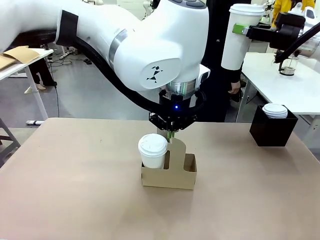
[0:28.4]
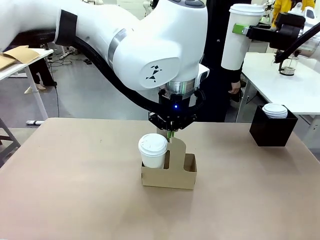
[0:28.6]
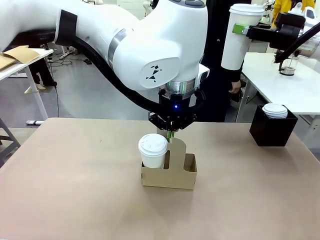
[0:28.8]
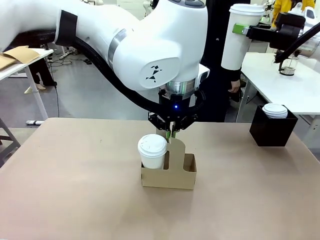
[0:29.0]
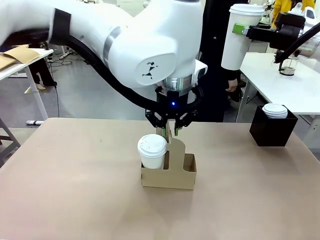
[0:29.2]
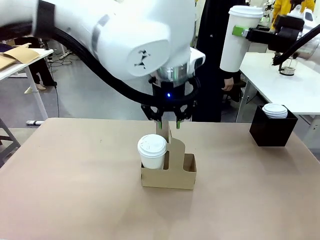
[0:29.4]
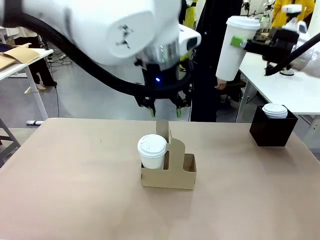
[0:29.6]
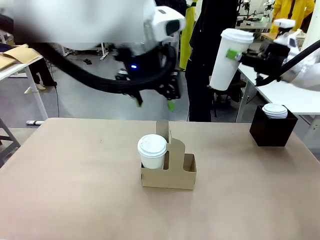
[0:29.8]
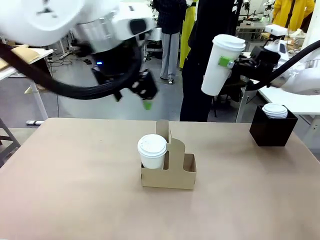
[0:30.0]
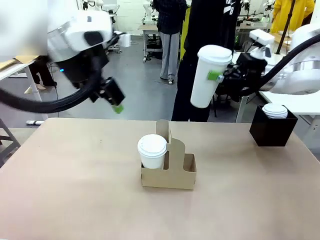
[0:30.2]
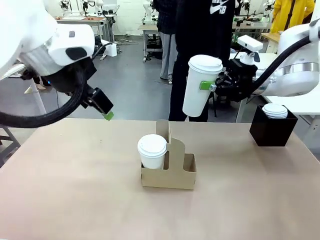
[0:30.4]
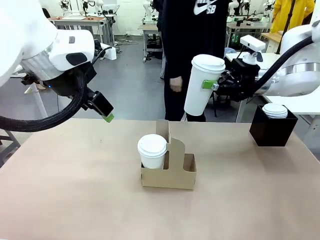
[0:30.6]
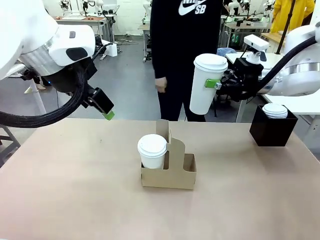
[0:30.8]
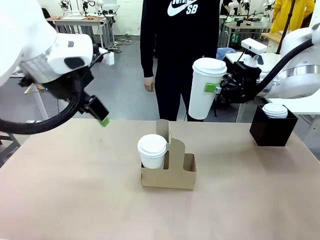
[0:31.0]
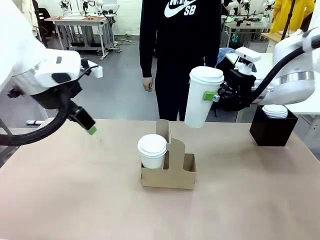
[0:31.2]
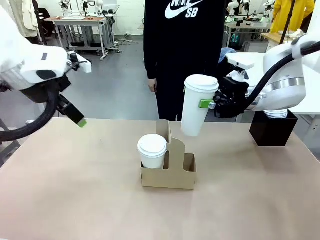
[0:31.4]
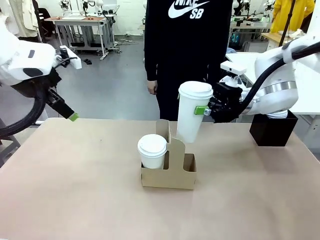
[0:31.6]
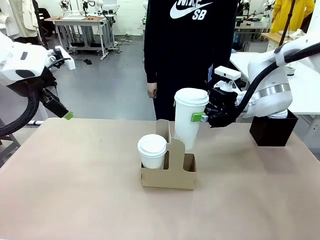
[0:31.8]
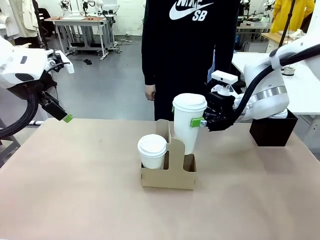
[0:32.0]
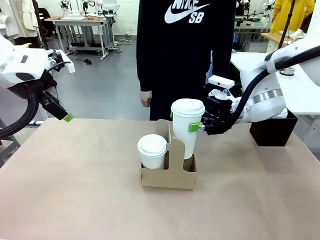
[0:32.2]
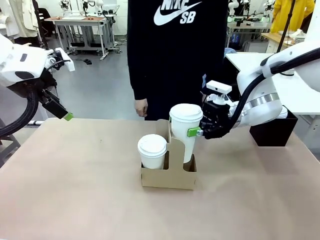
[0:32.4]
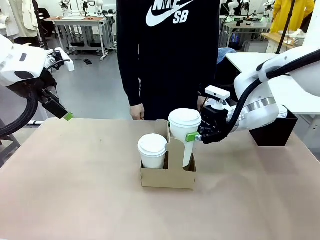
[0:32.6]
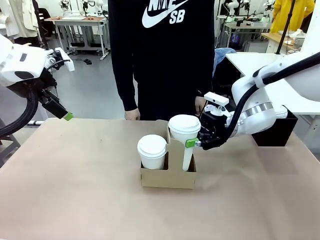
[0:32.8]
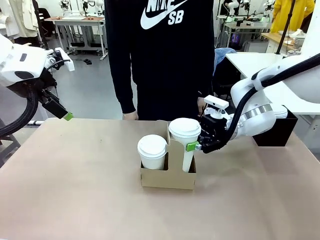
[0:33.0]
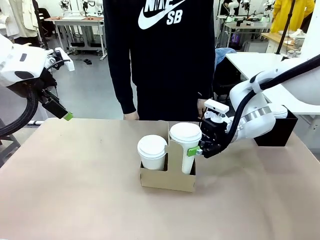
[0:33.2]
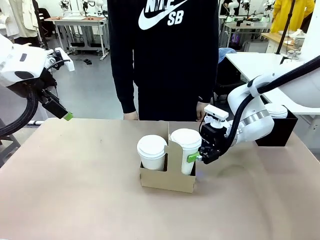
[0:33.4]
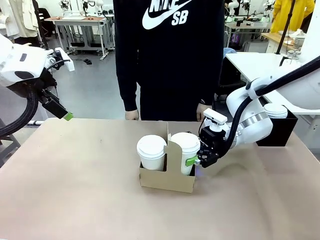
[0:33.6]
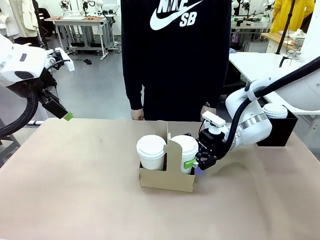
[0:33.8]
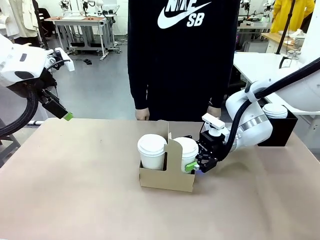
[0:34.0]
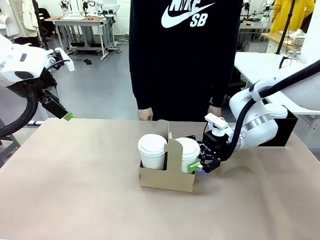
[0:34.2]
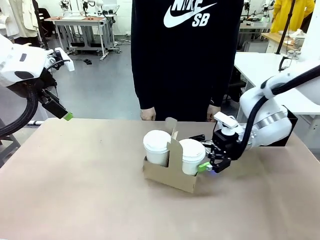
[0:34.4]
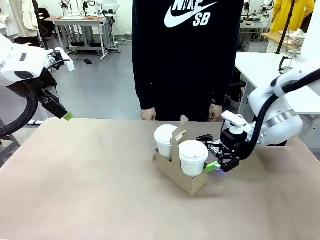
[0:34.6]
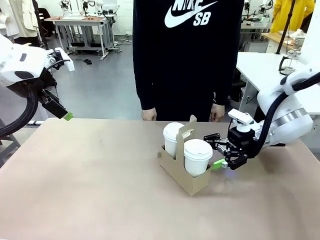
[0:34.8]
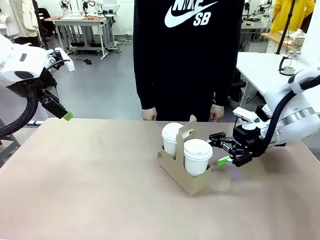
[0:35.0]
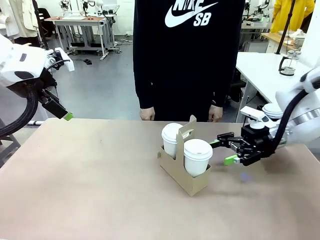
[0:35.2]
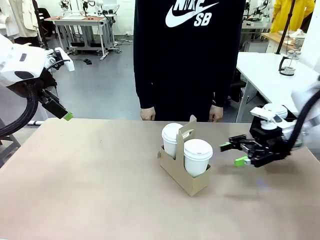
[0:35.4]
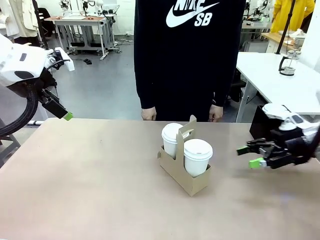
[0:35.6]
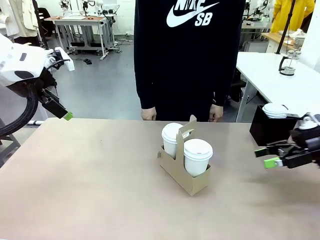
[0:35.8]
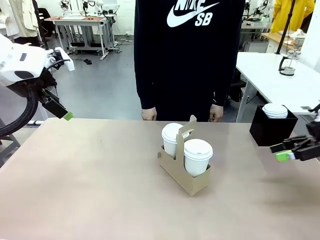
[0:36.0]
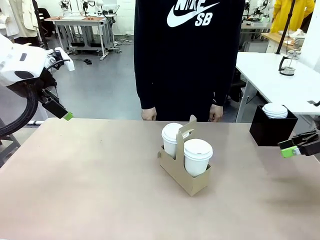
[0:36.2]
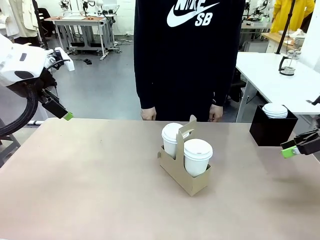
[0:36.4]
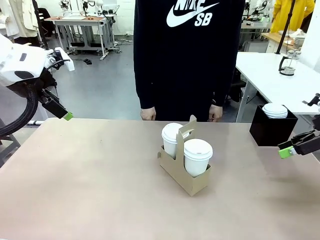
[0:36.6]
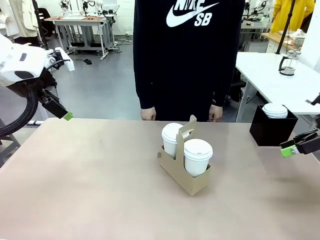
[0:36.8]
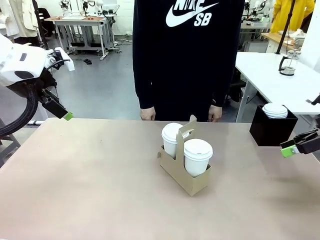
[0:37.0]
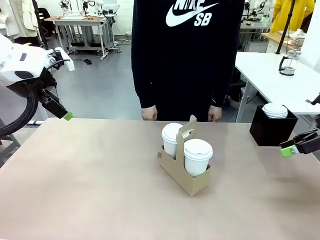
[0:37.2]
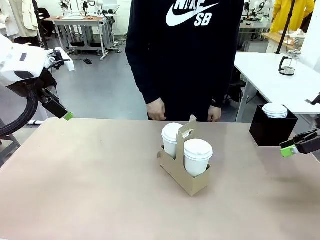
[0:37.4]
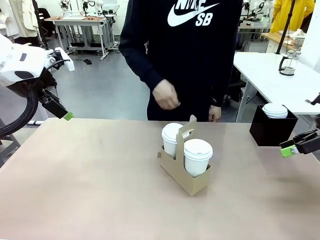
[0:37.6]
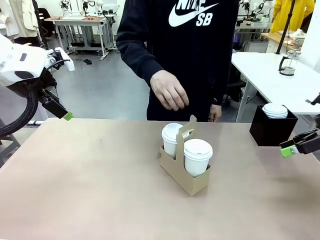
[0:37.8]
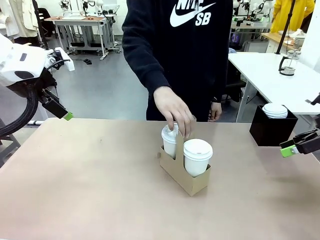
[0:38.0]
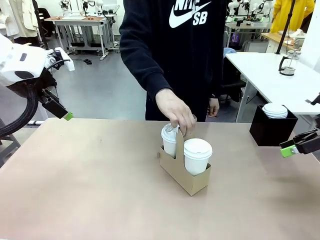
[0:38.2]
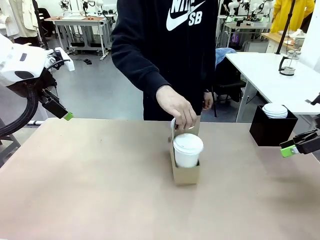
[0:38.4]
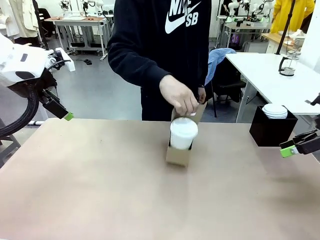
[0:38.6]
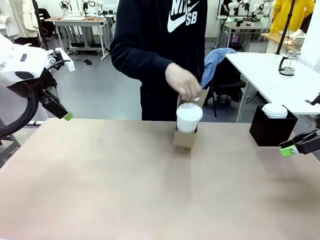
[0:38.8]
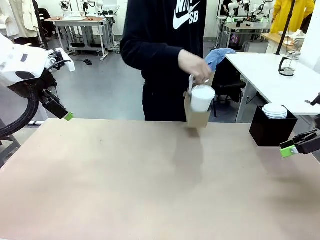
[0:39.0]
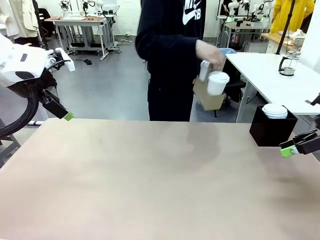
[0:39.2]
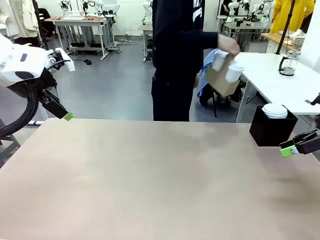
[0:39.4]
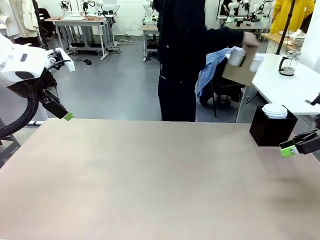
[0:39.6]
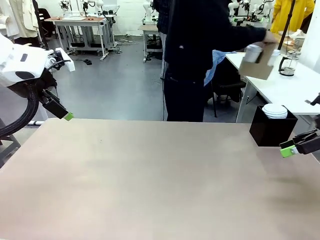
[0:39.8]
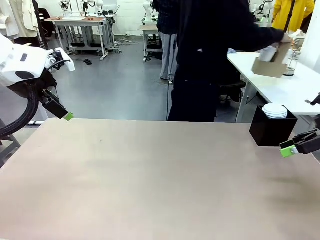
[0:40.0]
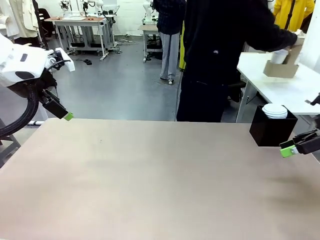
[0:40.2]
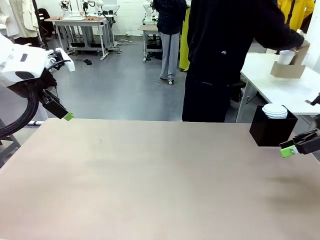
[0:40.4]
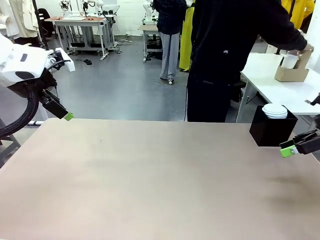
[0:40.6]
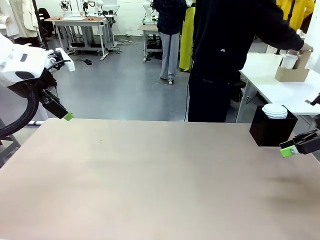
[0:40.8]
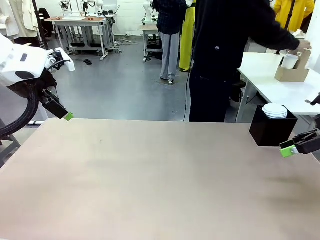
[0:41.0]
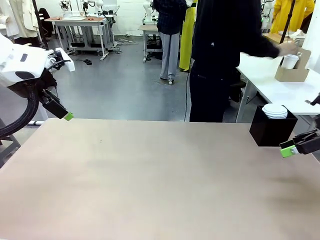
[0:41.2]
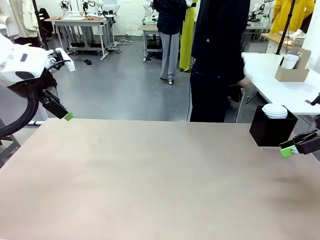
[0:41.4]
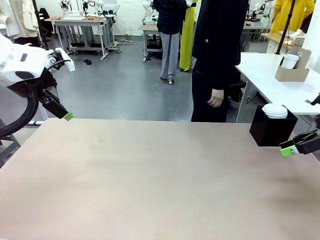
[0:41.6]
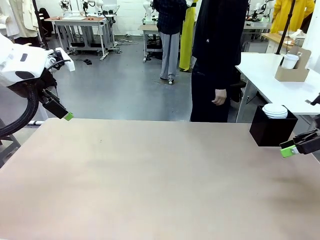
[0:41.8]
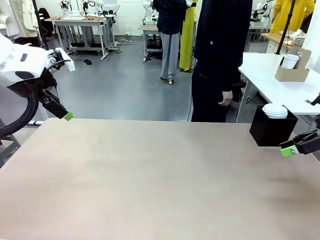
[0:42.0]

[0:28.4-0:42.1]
Task: Pour a drink into a cup and package it in a carrier.
Robot: Insert the held 600 ml Paper Cup into the Cup Carrier.
Person: Place the Cup Carrier to the middle of Human table.
